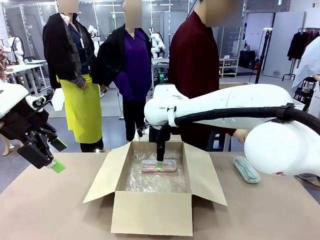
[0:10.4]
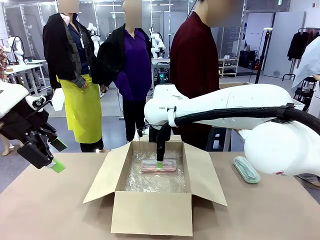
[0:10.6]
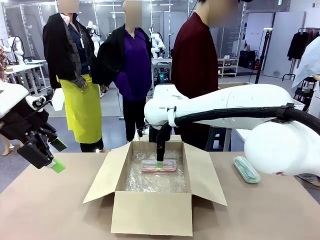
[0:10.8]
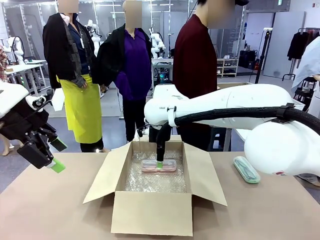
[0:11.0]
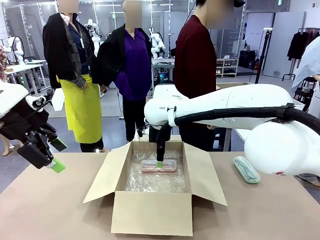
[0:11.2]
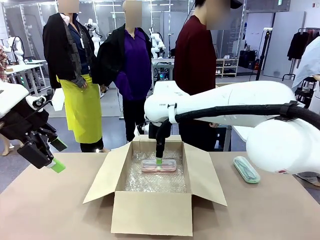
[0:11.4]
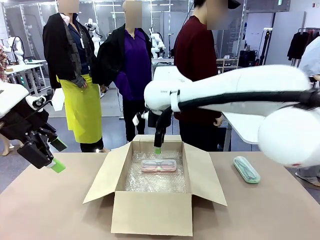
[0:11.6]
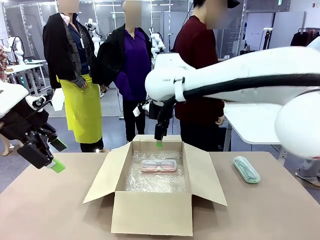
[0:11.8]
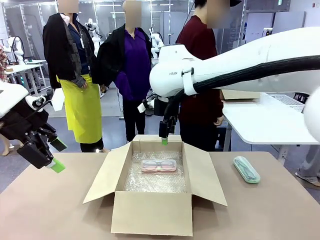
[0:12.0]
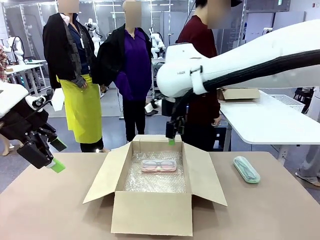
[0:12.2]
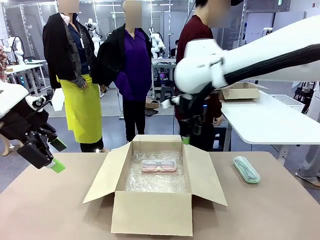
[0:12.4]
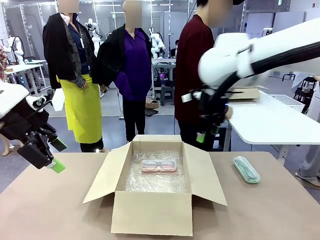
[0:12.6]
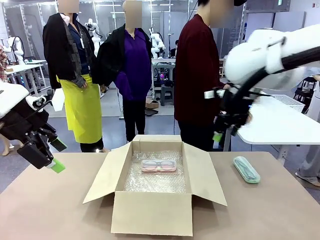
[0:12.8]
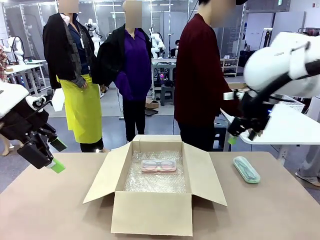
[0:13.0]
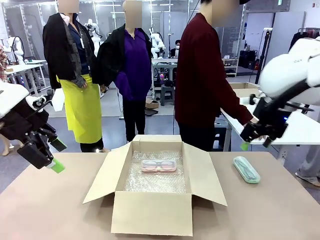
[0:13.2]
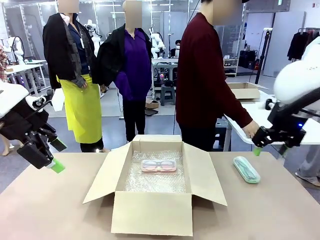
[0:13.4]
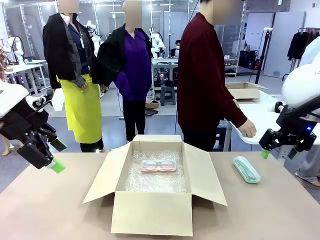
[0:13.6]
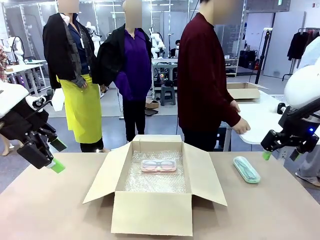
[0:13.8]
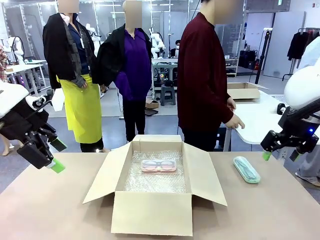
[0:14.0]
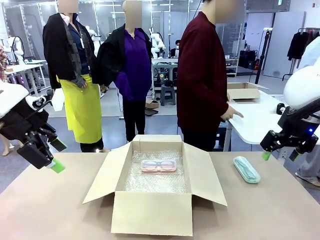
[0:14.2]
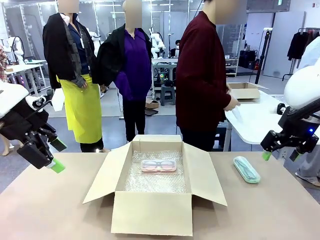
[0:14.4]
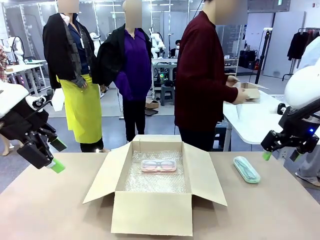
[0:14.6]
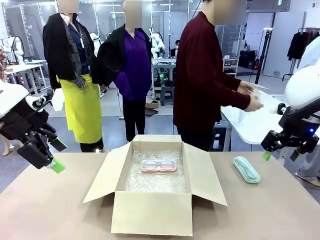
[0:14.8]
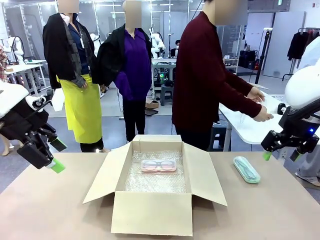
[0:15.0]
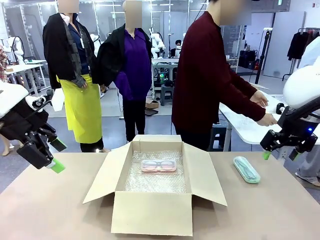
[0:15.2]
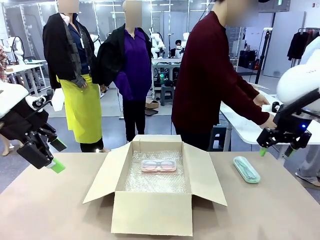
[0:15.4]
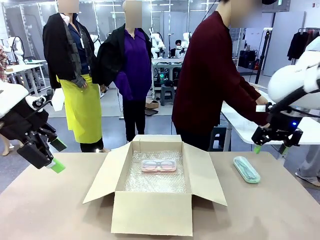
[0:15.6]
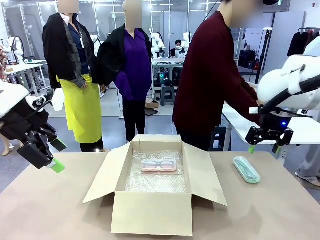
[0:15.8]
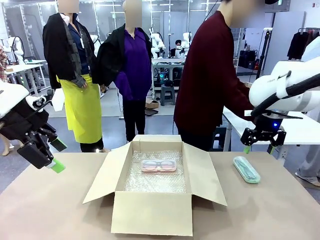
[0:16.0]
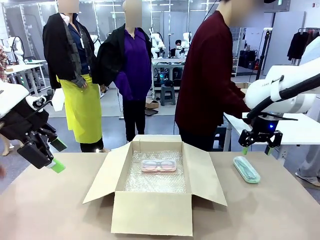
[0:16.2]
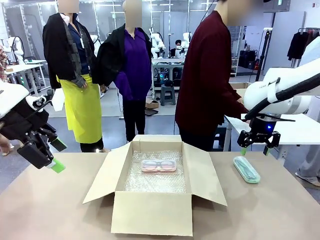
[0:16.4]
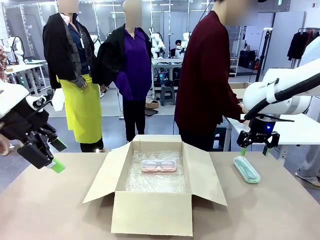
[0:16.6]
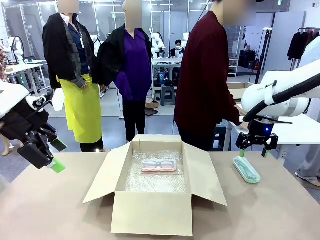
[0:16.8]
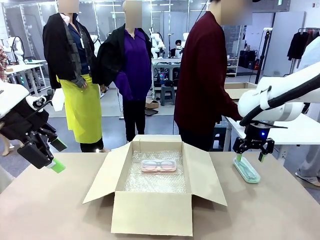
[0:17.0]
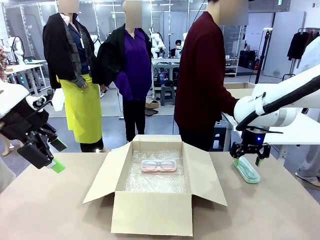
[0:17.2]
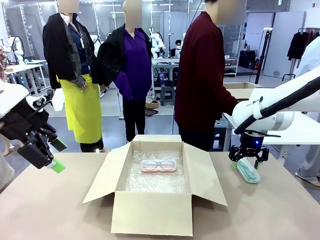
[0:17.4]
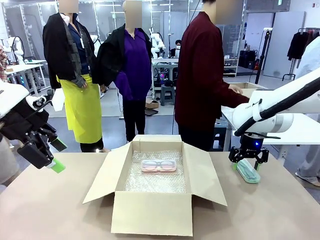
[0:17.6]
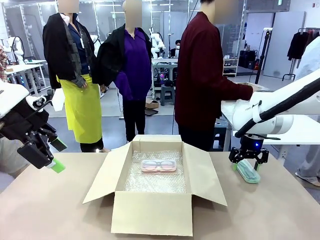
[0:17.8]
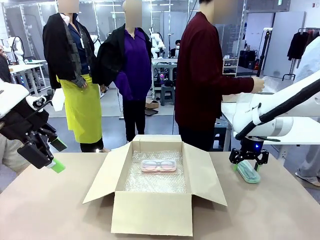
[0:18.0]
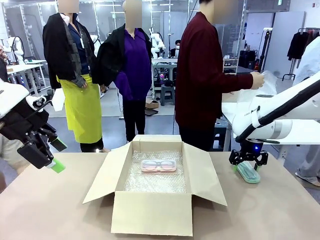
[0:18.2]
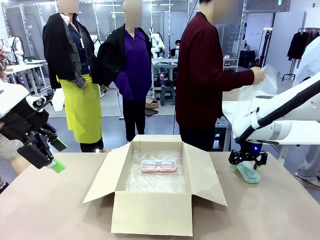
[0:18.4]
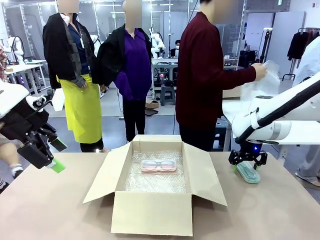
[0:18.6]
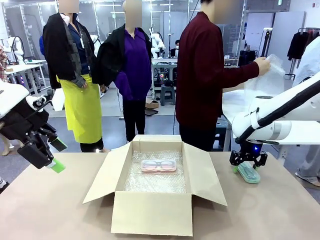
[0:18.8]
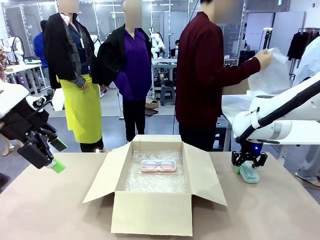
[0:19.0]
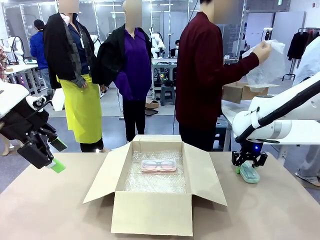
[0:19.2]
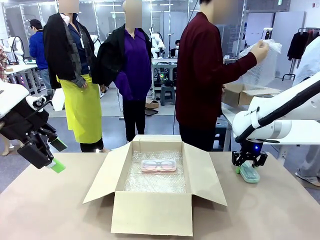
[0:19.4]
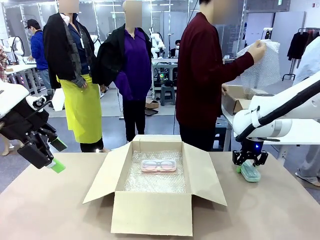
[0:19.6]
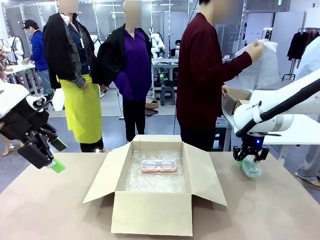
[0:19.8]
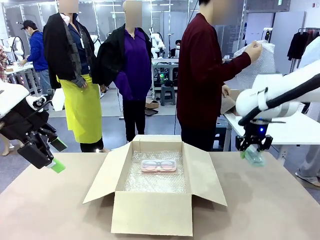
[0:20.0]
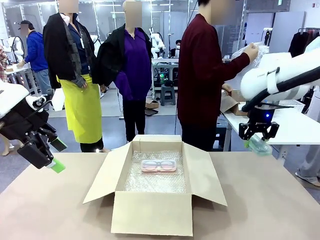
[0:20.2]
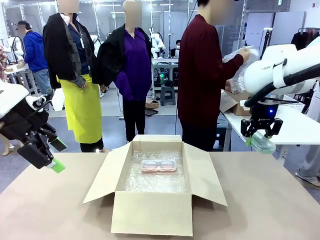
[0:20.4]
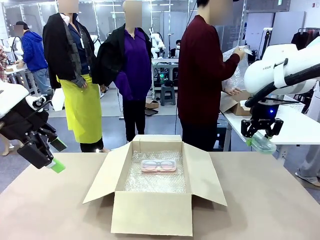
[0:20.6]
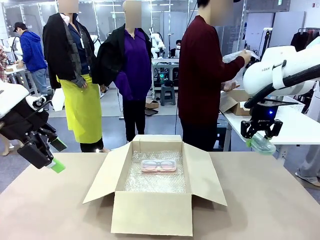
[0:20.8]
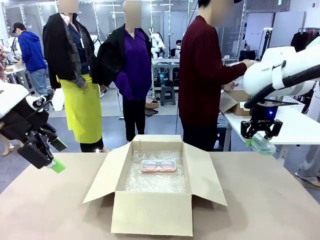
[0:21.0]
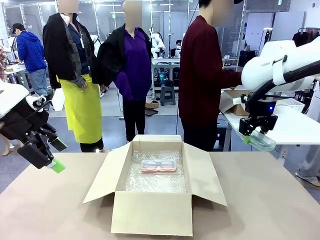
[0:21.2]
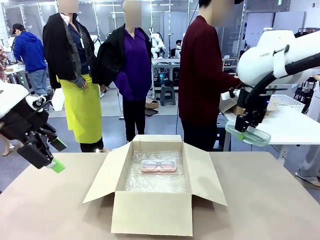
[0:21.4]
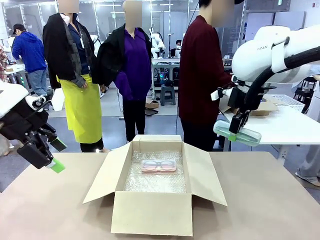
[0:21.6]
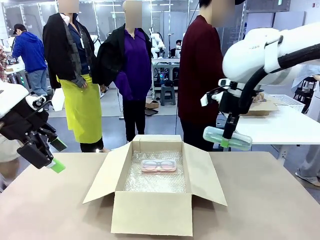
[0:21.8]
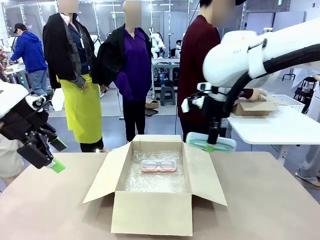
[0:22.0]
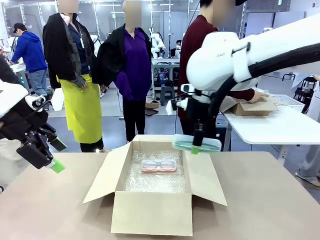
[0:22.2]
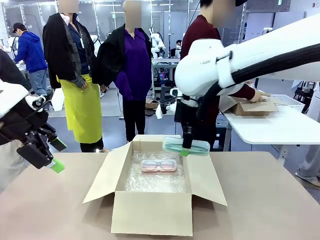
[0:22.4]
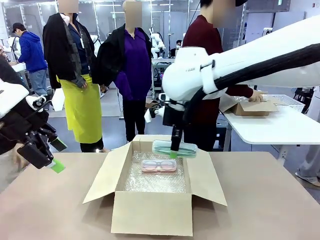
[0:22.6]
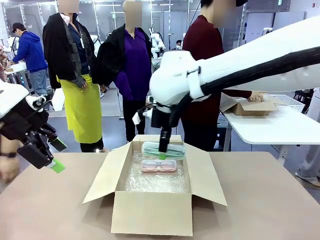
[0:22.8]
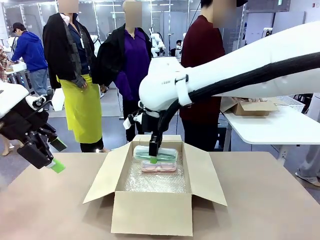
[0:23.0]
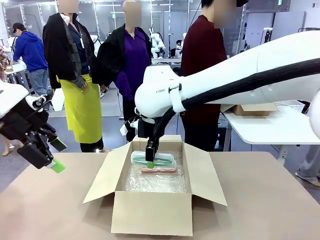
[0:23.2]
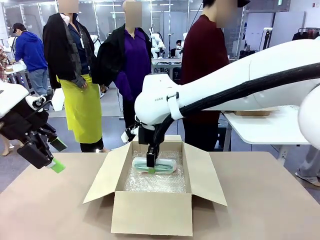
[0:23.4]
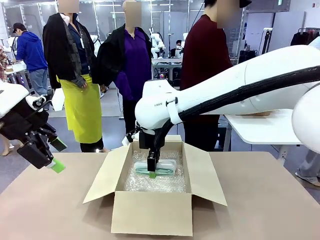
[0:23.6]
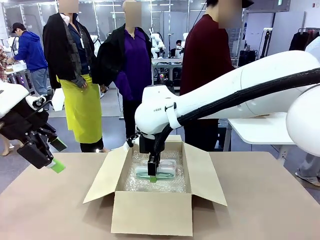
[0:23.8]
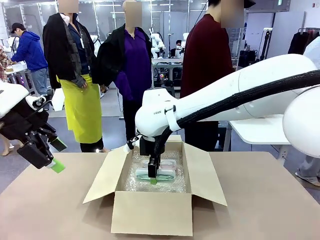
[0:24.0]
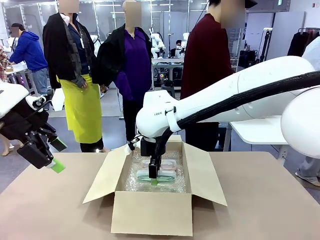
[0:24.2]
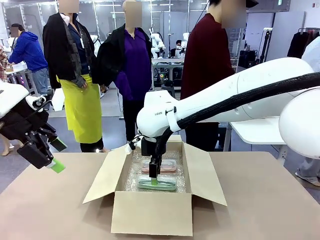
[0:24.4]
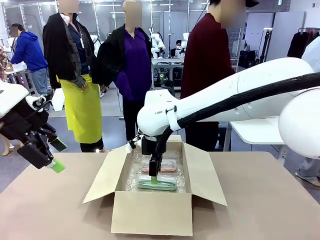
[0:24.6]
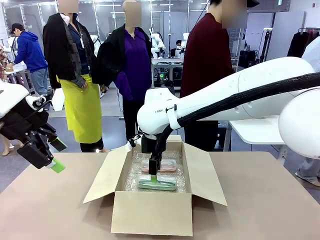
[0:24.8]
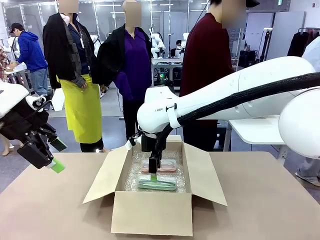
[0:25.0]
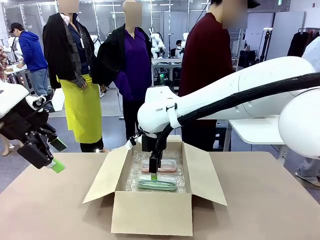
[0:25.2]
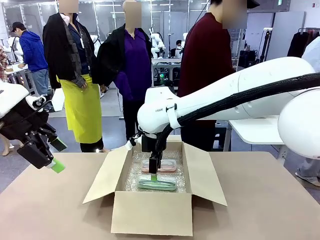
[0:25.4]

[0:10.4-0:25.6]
Task: Pack the glasses set securely to prepare it for shipping.
Robot: Put the Glasses case from the right side of the table into the Package Box.
